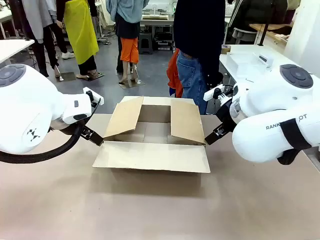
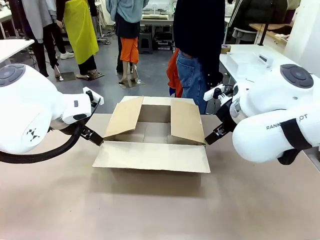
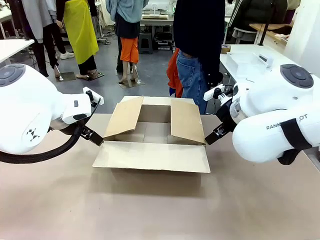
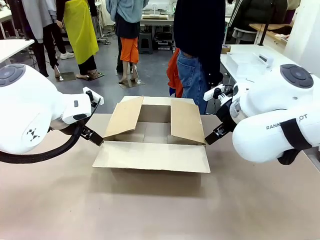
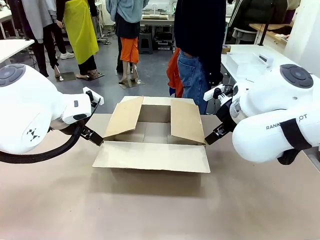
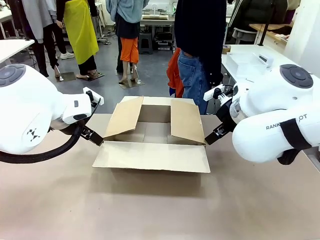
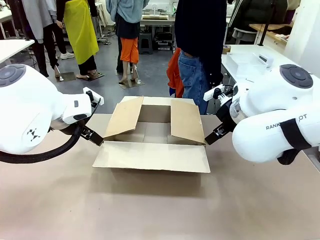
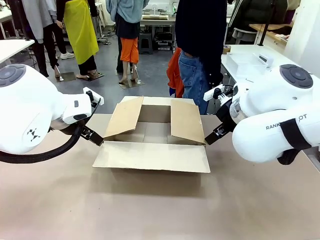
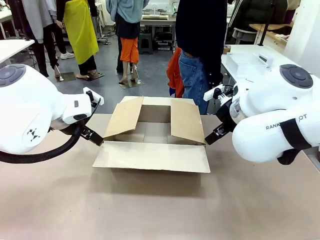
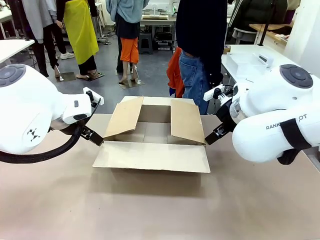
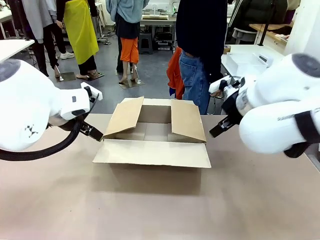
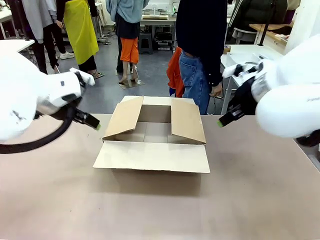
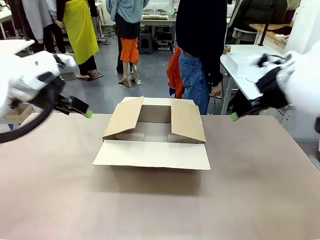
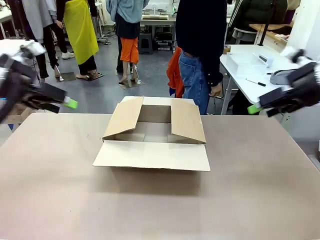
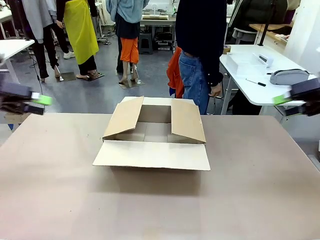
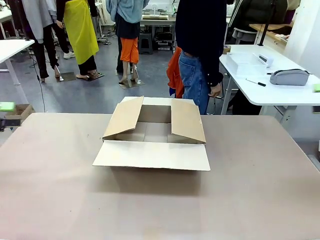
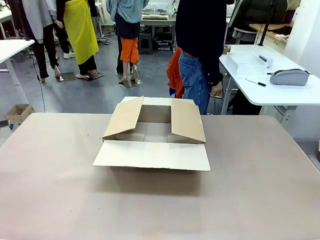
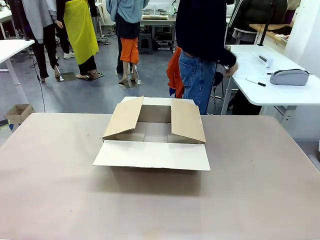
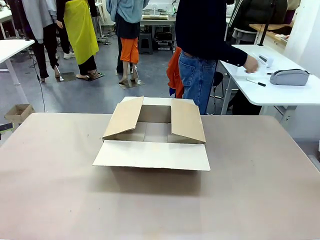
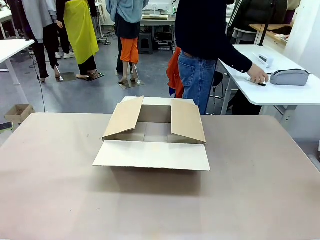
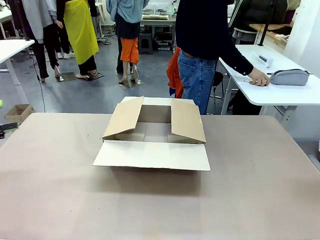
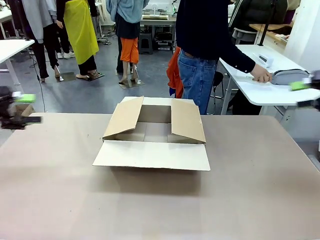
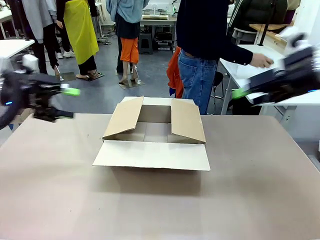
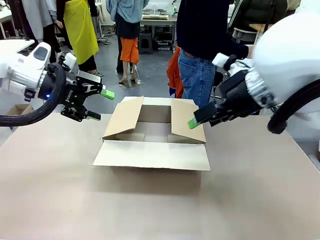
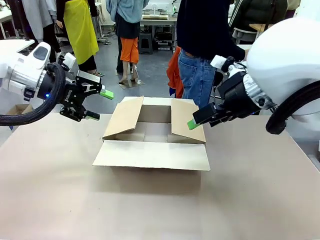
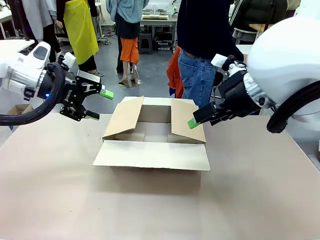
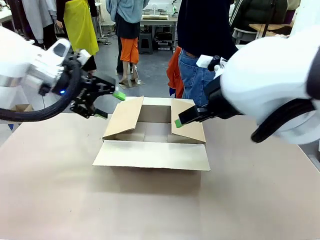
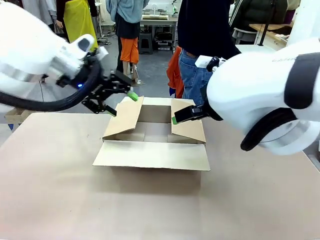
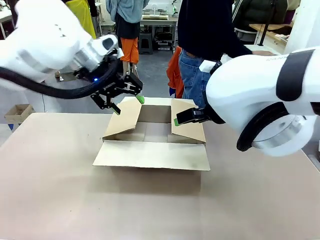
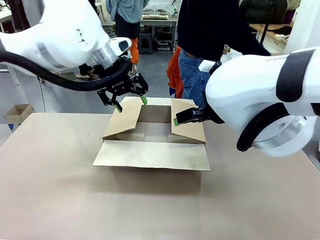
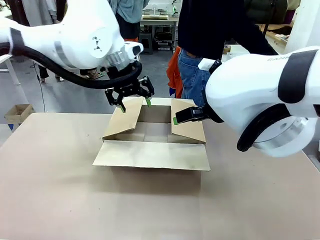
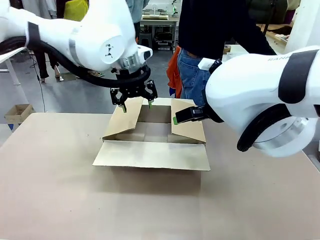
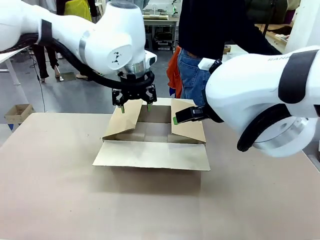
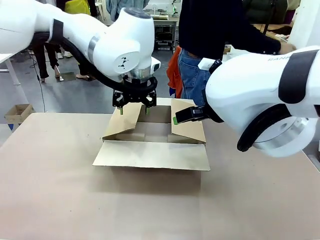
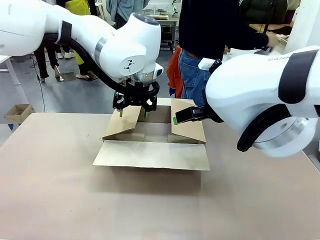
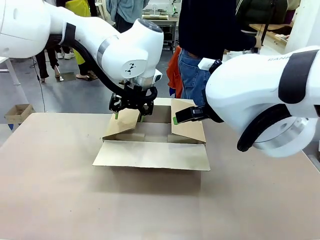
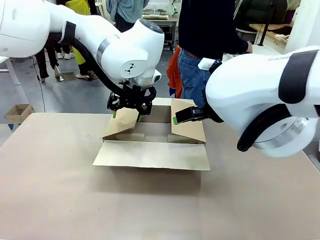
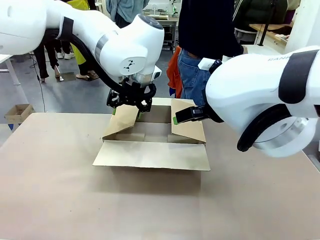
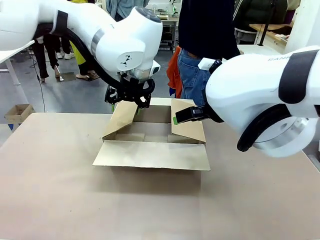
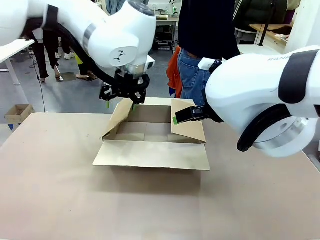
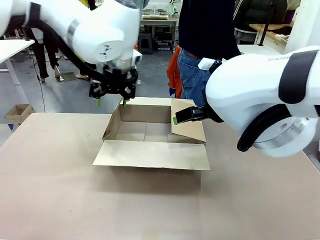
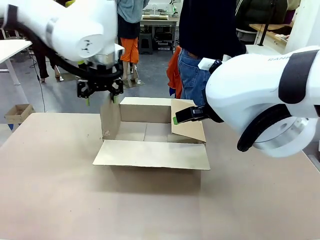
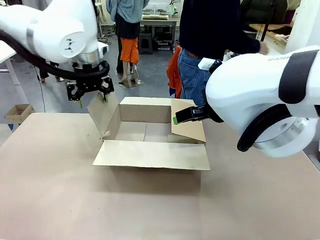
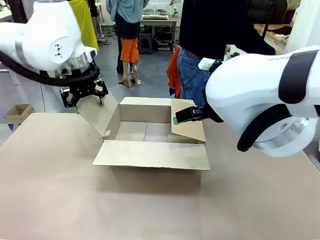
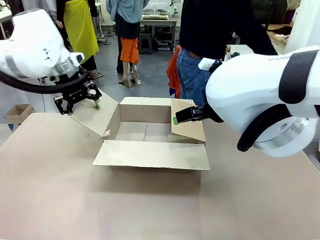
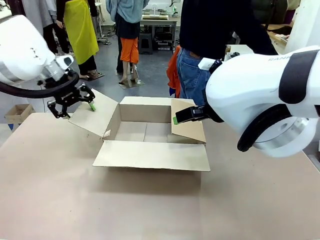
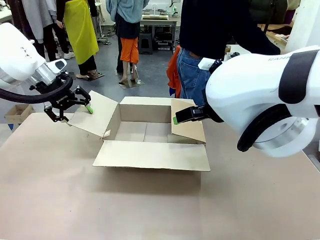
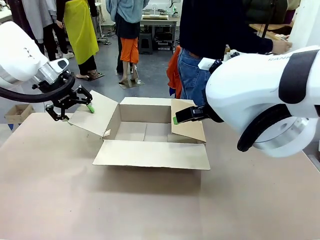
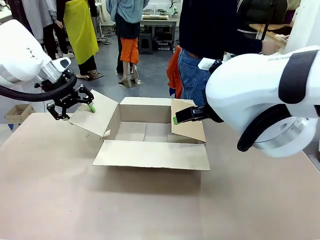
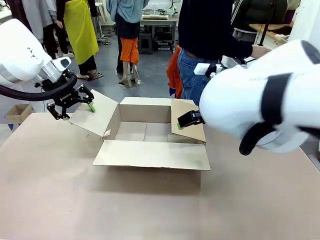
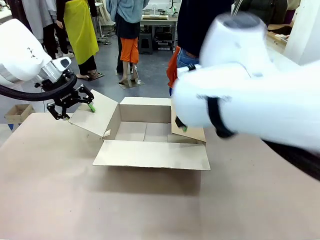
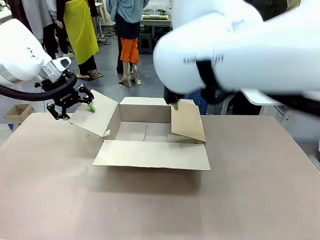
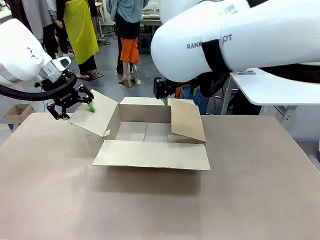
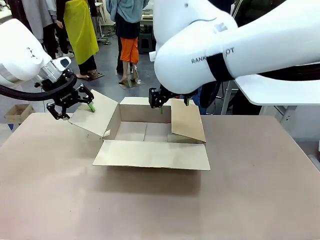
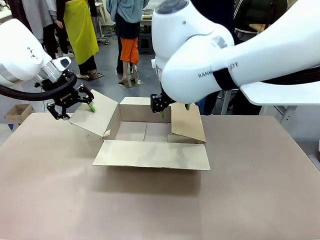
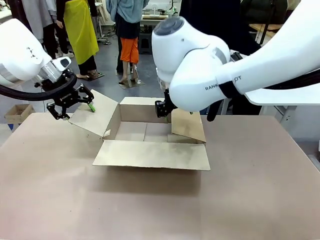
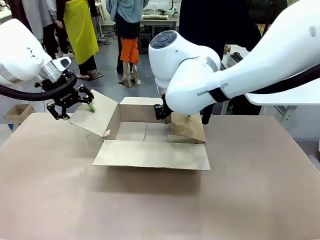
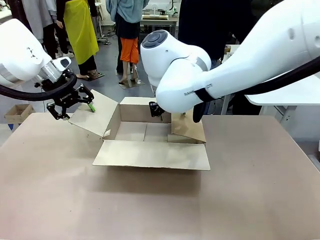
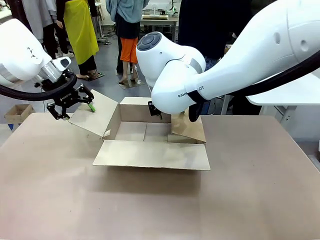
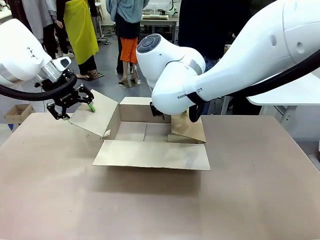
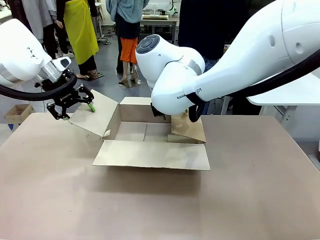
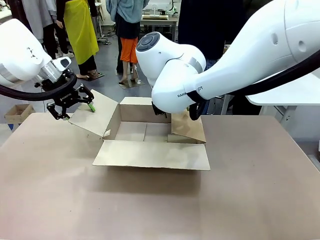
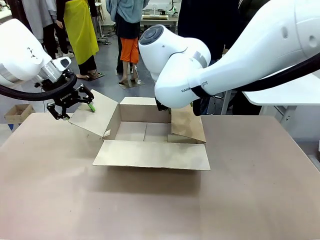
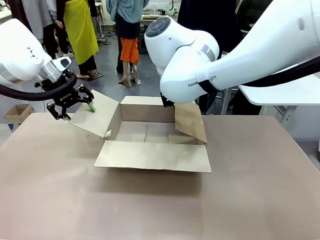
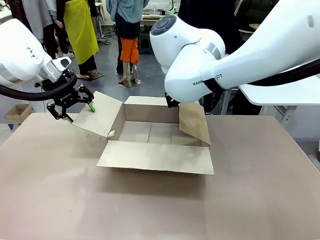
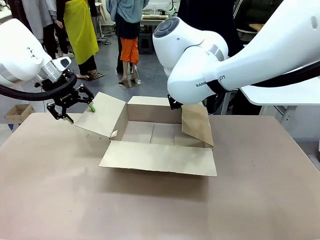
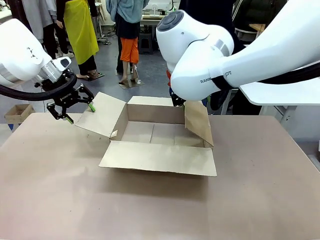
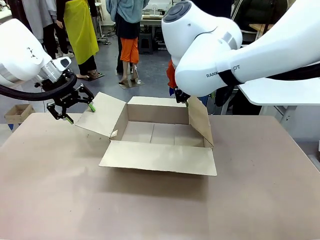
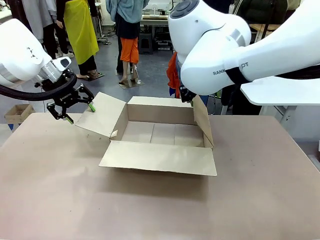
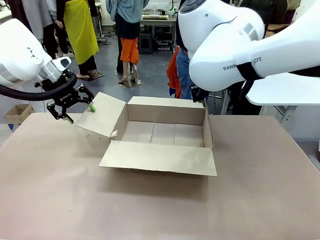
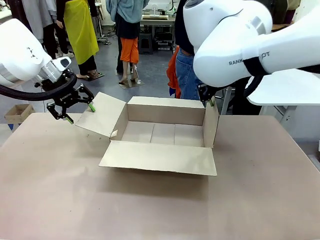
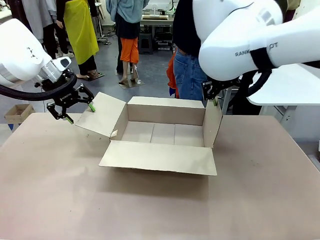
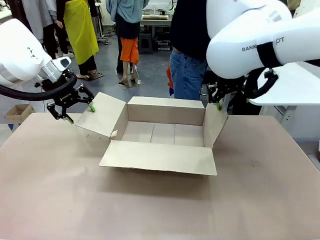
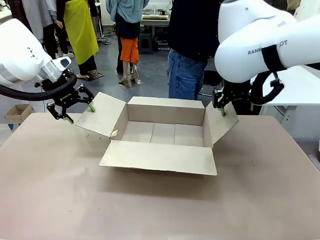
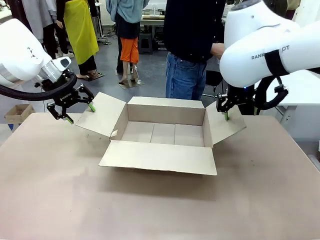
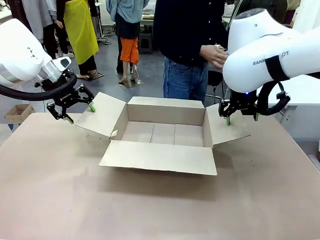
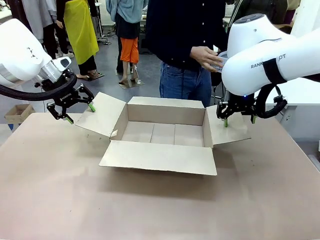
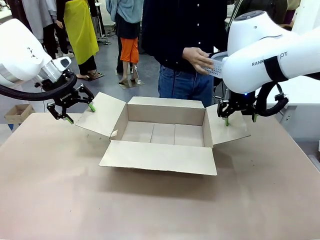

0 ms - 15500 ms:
Task: Pack the gift set into the box.
Robot: Place both hands on the side flaps of the Package Box and spread them outward.
Person: The human places all items except the paper tape into the organizing basket.

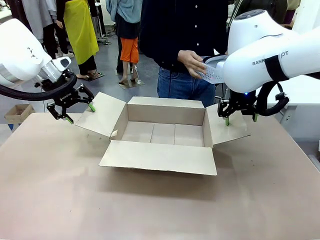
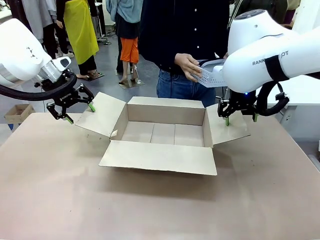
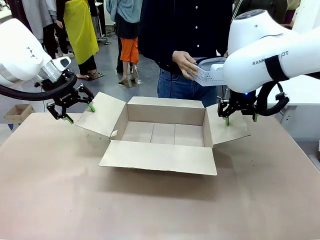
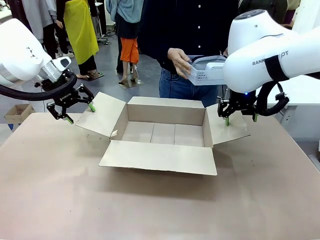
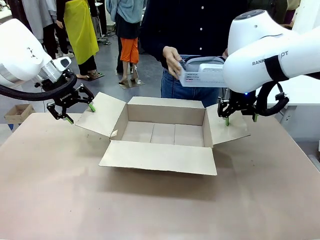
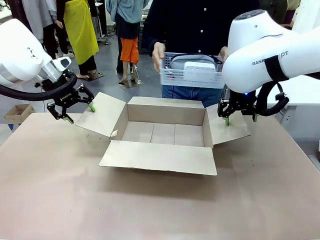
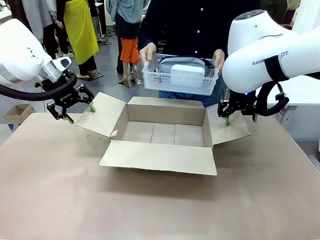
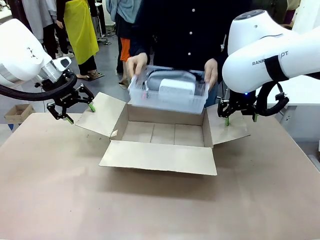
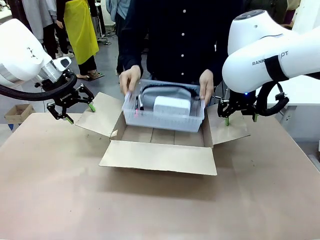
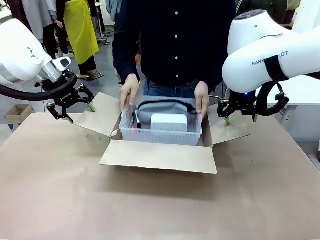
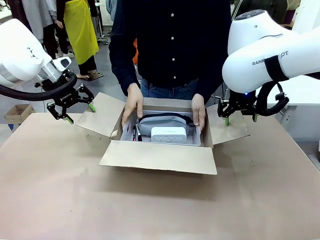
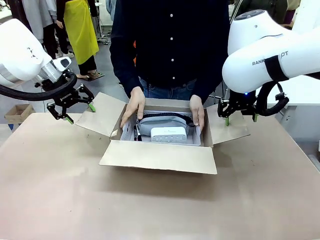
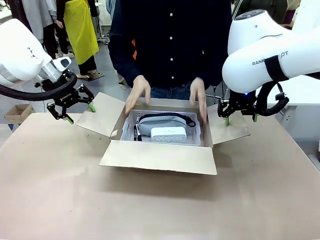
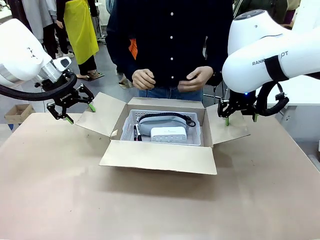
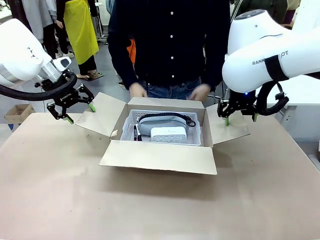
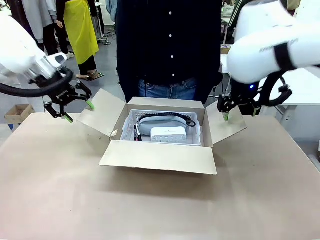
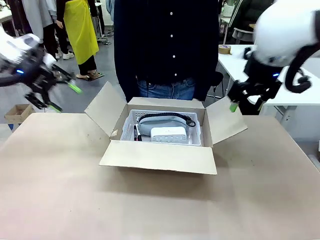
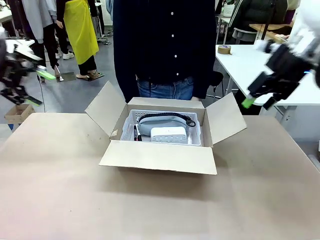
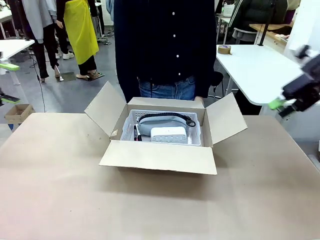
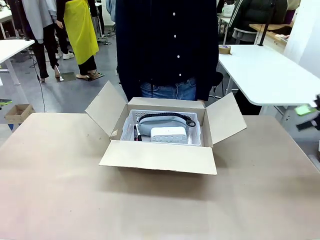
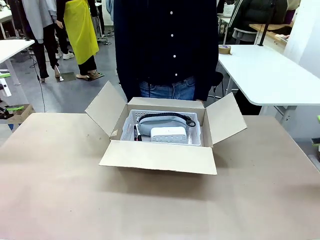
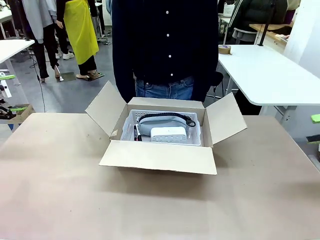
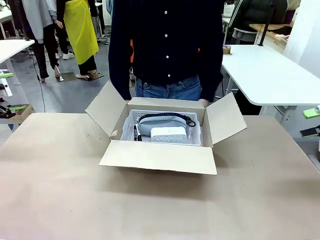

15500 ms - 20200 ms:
Robot: Lift both hands away from the flaps of the Package Box.
Person: The human picks up the organizing basket and places the organizing basket into the package box on the robot table.
